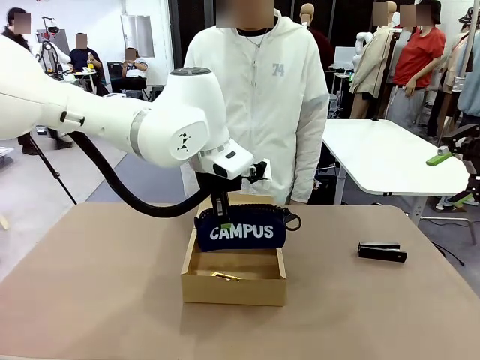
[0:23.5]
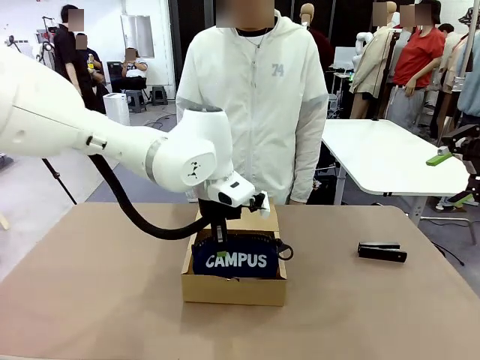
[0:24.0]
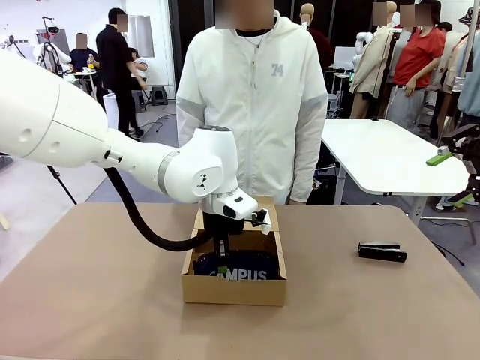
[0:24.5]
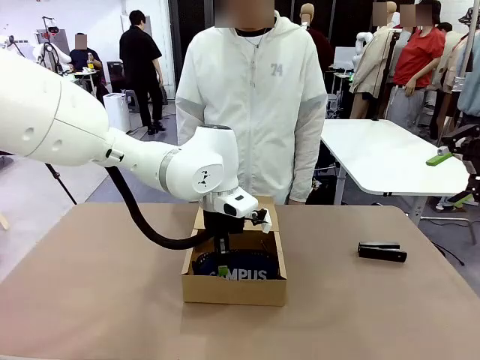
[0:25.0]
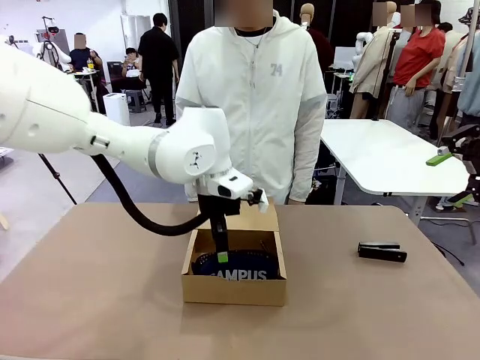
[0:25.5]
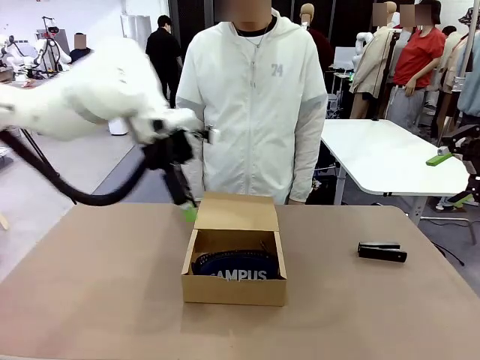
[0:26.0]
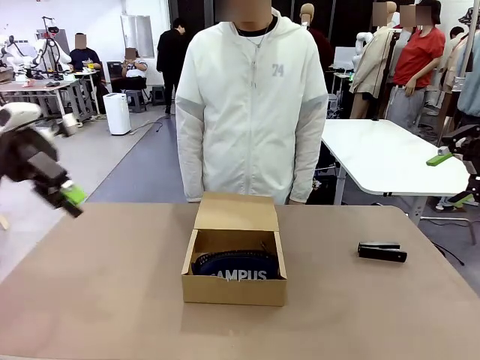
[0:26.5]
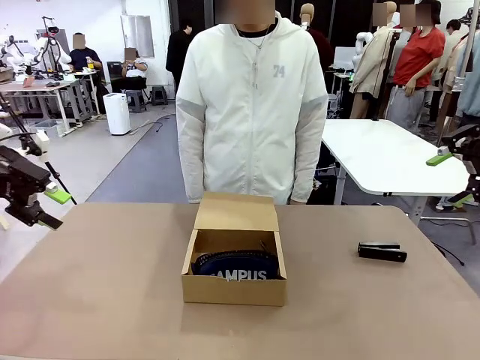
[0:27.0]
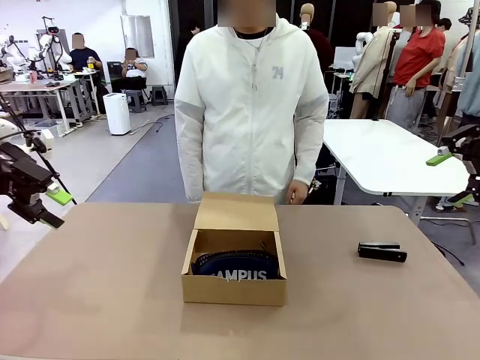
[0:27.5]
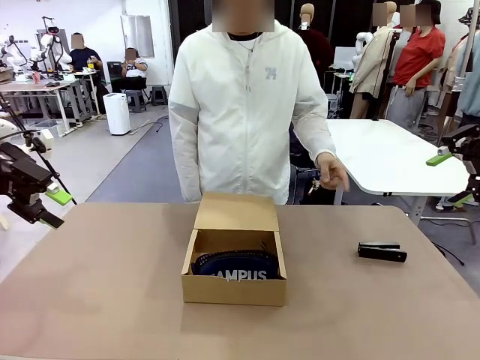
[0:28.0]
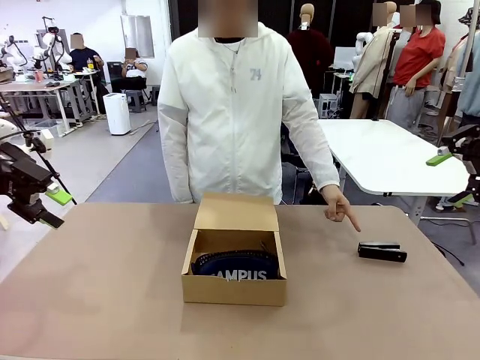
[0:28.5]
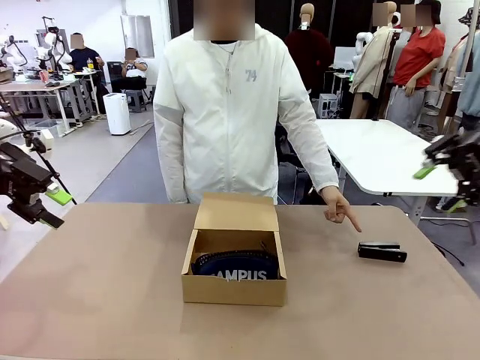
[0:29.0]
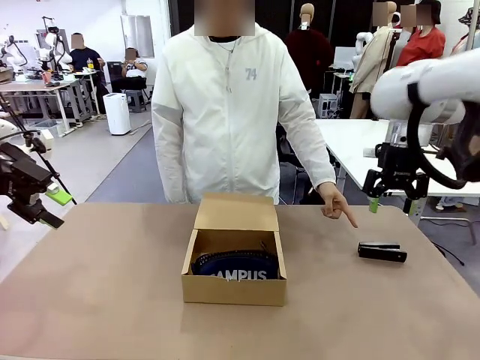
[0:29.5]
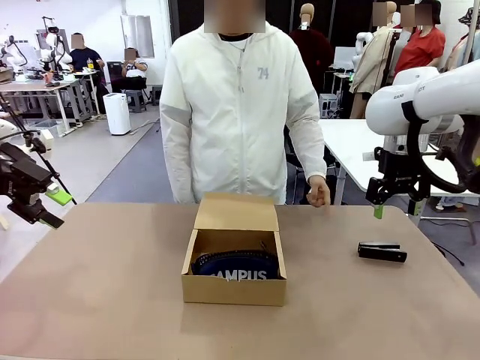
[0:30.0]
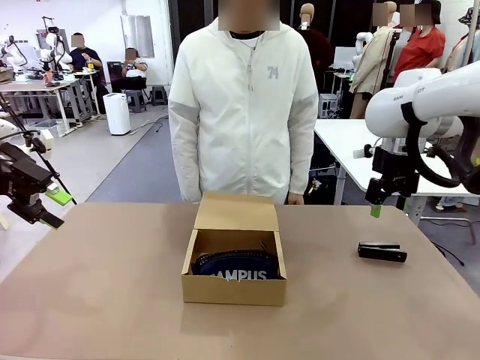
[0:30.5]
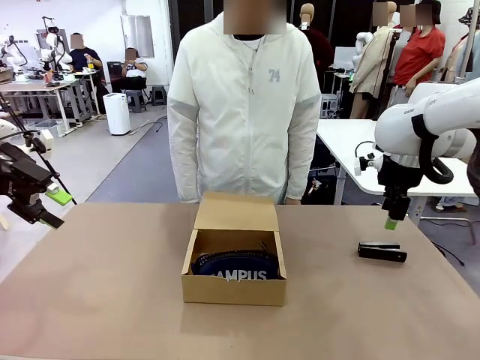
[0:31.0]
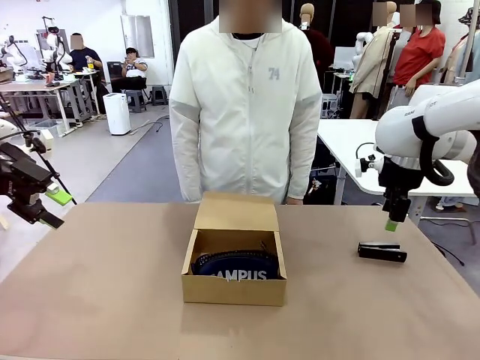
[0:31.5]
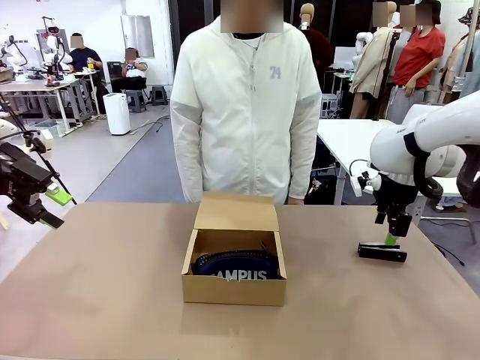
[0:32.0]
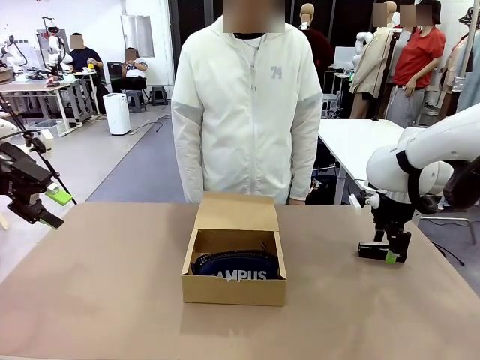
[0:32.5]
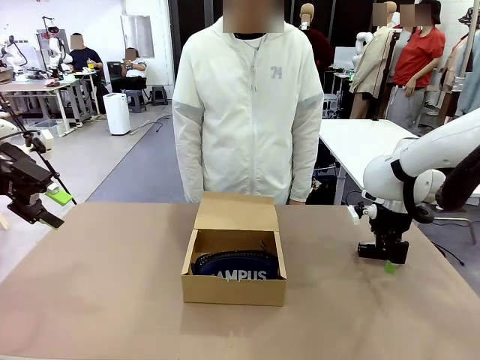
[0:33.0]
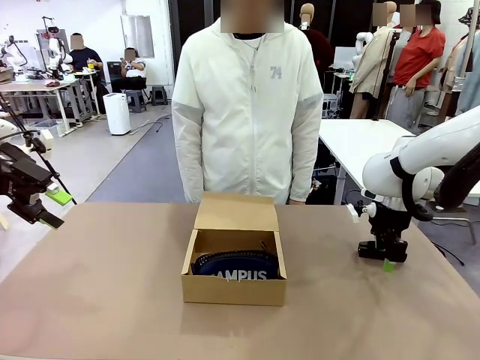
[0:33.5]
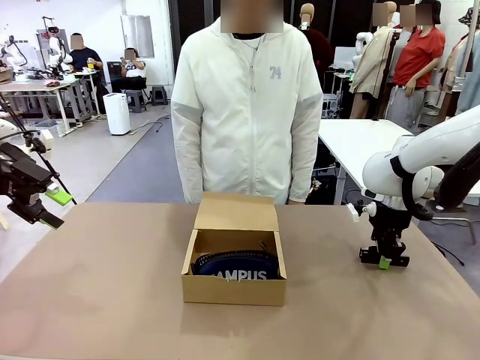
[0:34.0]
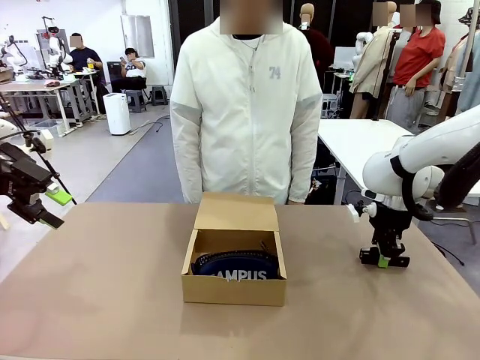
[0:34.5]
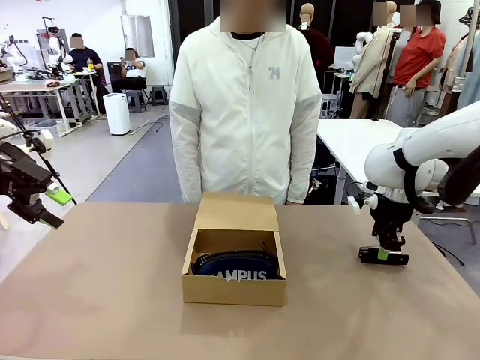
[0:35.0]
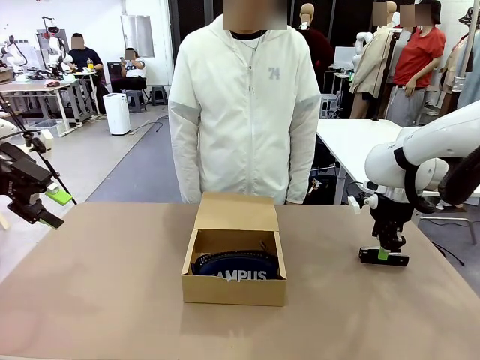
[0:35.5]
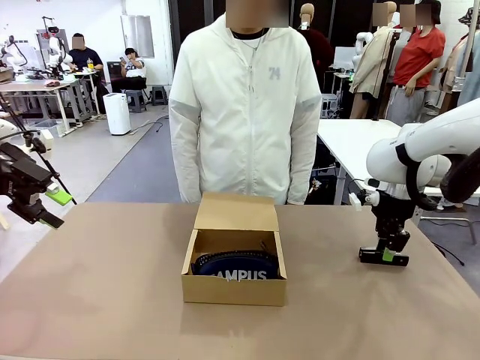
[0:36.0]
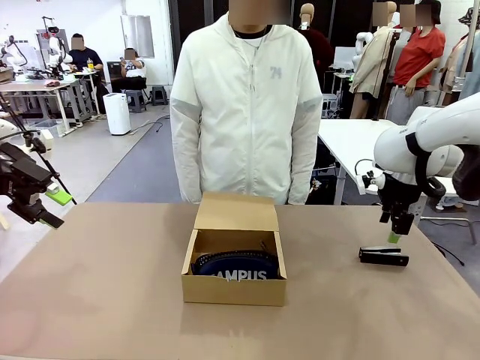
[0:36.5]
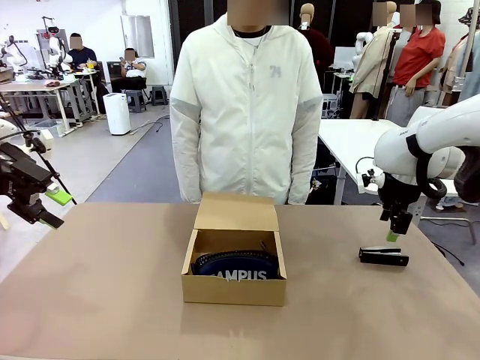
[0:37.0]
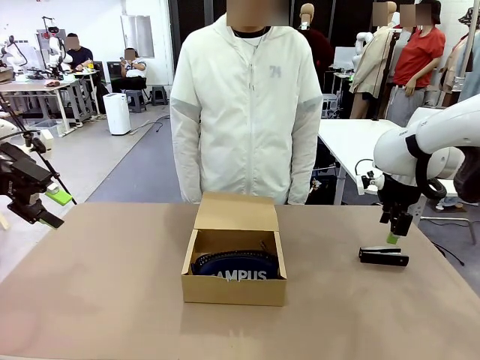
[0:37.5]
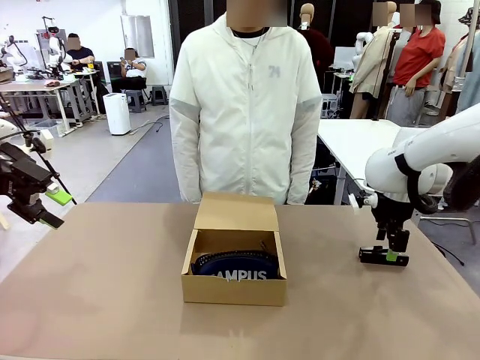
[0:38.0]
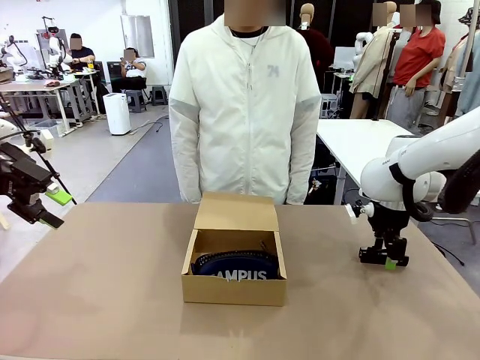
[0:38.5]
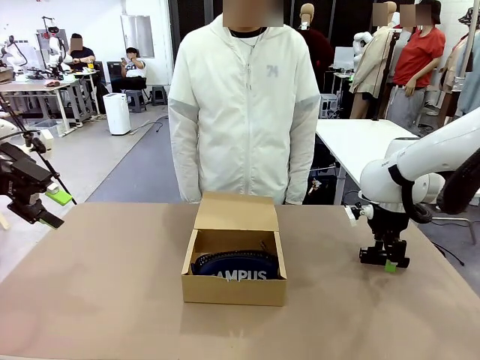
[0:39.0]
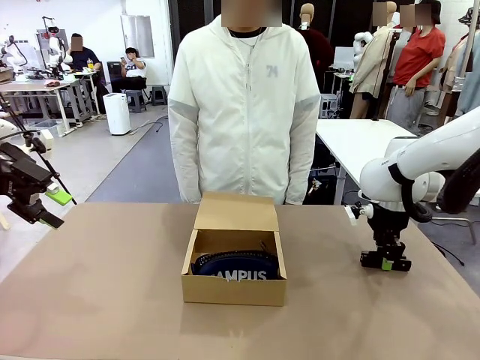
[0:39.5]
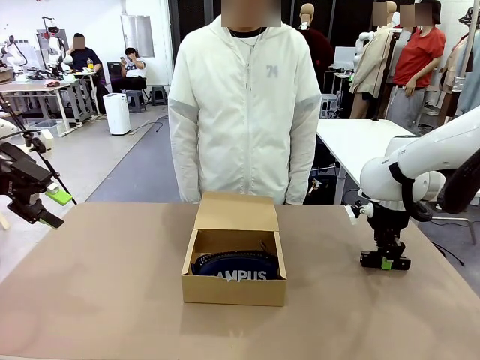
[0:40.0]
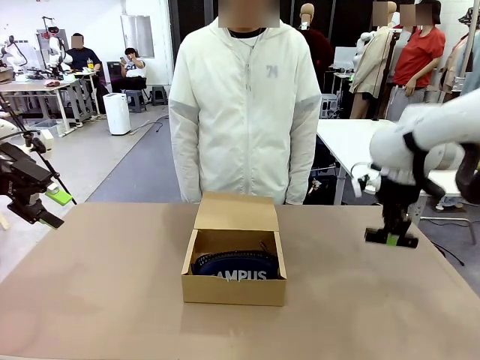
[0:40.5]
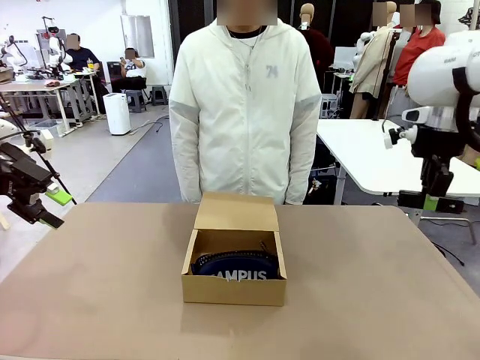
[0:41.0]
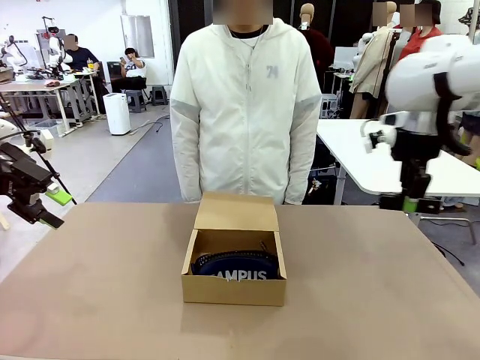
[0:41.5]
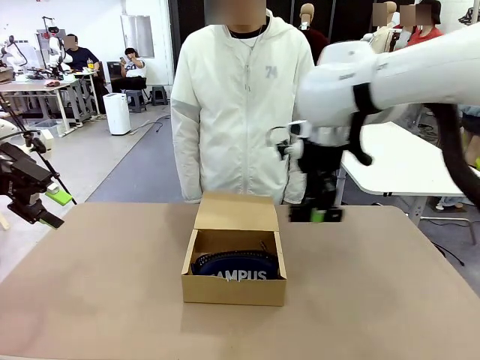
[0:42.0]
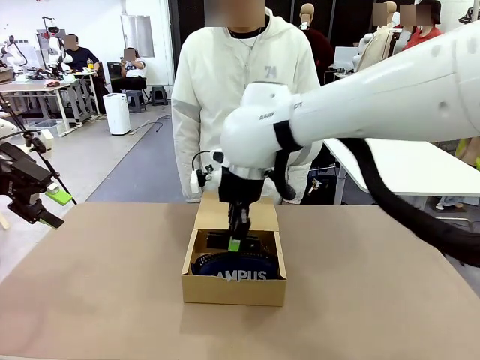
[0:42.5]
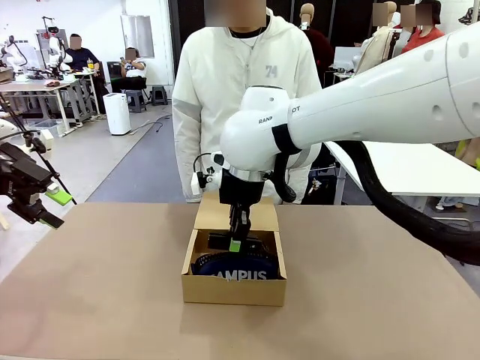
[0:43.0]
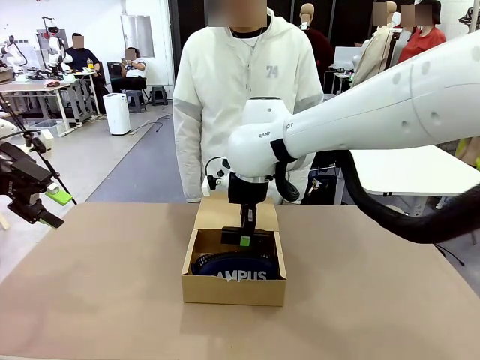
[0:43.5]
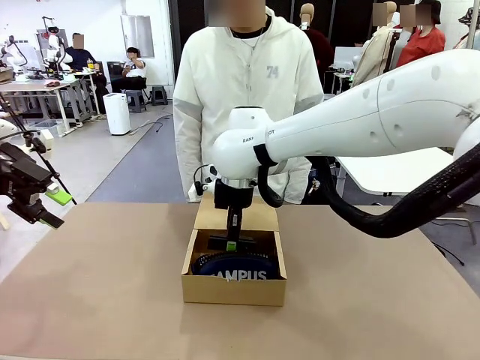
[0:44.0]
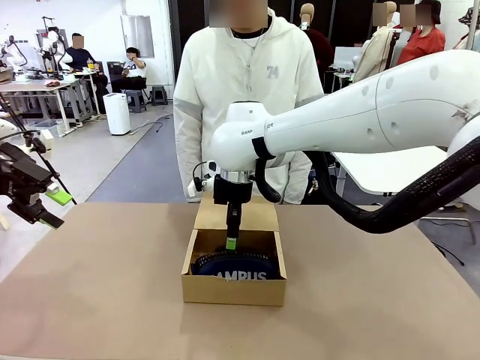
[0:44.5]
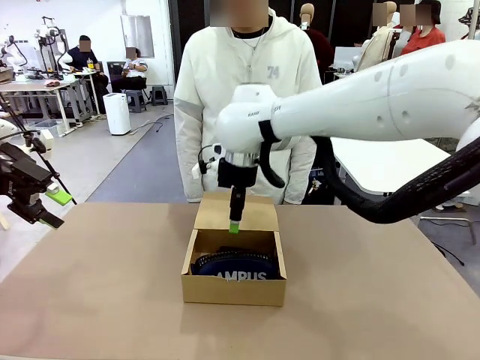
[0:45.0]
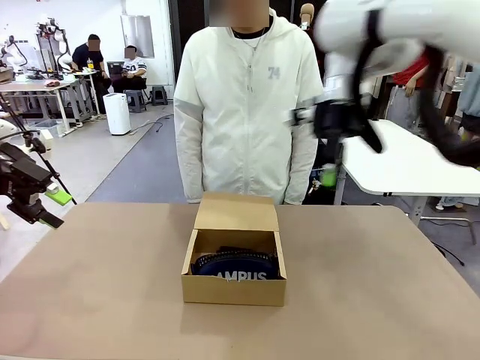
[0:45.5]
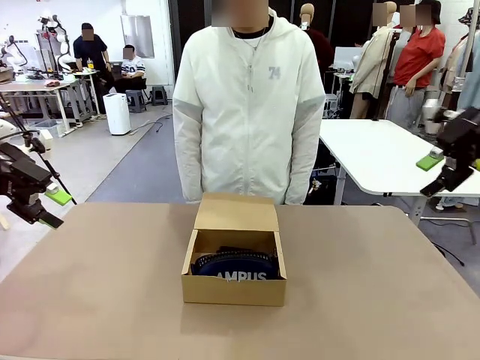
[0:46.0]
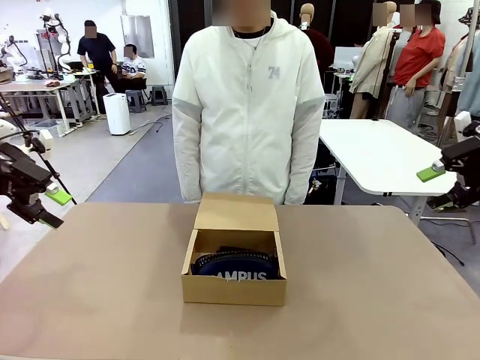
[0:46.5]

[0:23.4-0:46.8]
Task: Pack the items into the box.
Robot: Pick up the item indicated by the person and place it inside the Mailer Box.
Person: Lower both hands vertically with palms facing downward, as if pressing something closed.

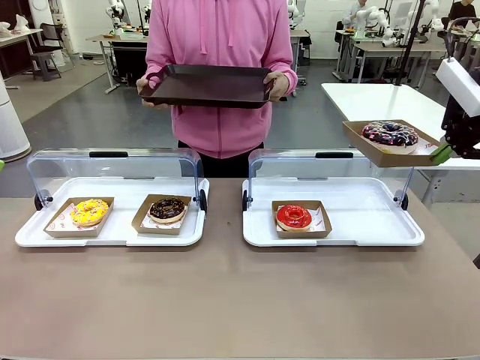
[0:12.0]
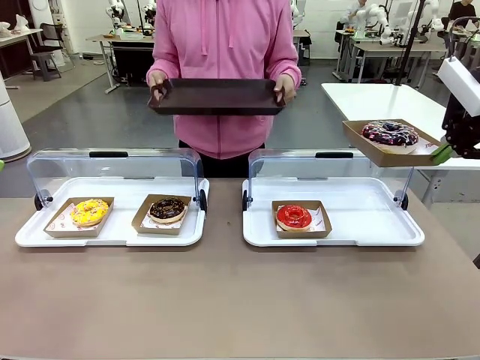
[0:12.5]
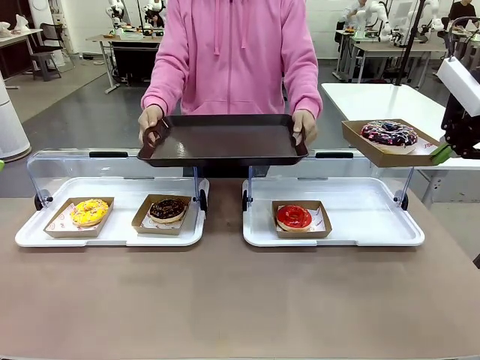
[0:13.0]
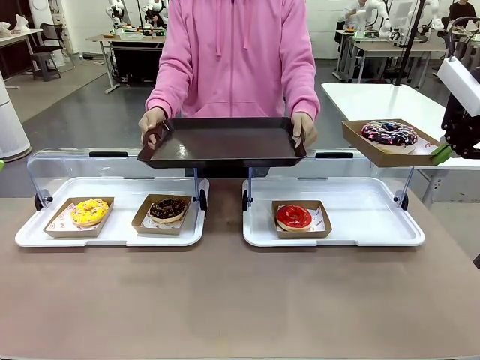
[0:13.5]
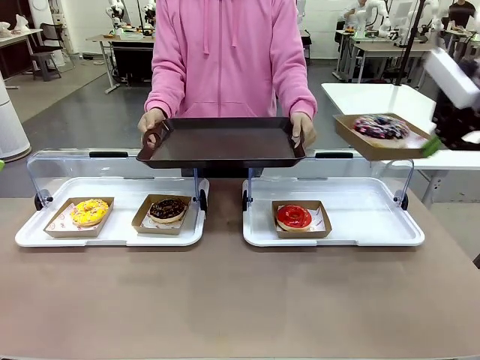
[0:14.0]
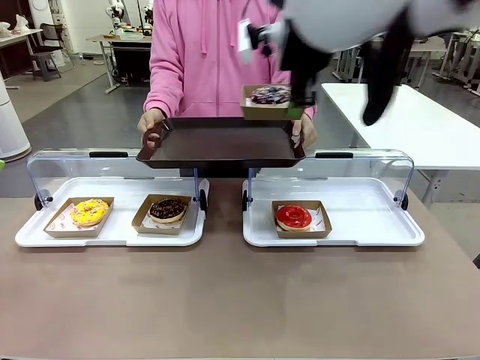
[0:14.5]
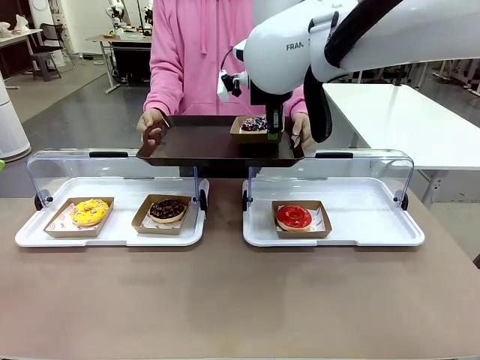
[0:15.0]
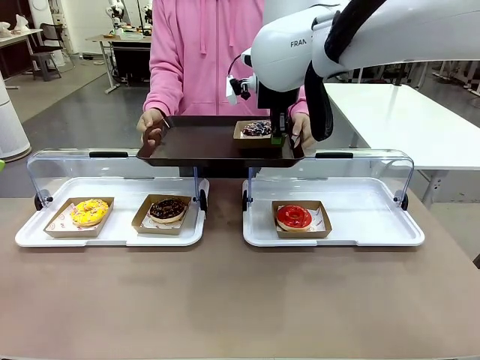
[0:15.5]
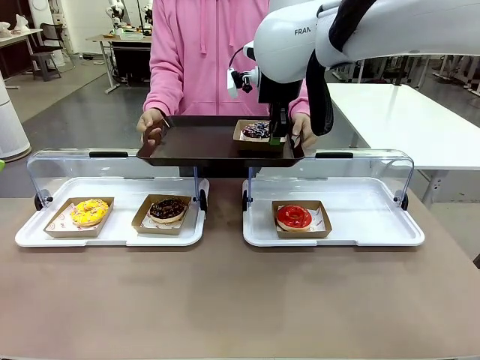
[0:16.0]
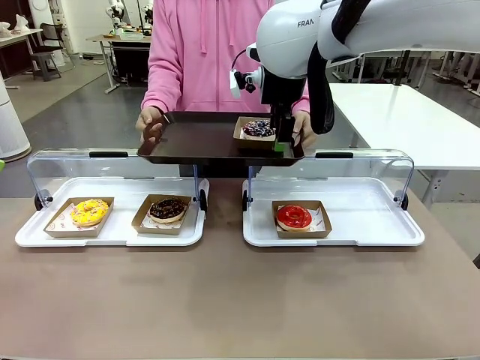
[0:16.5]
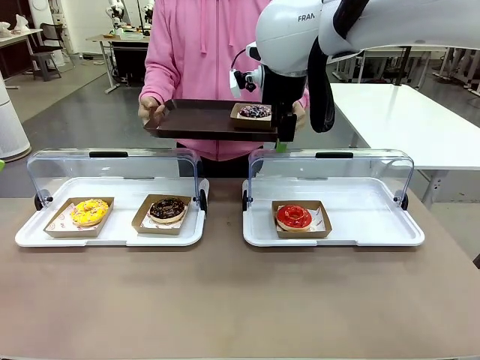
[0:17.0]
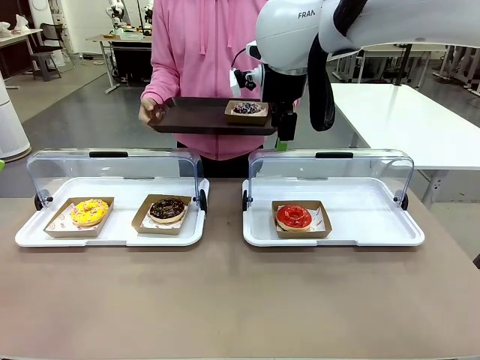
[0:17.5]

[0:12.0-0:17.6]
Task: Provide the desired donut to the person.
Robot: Place the picked Paper togo box onto the Handle tray extended by the person.
